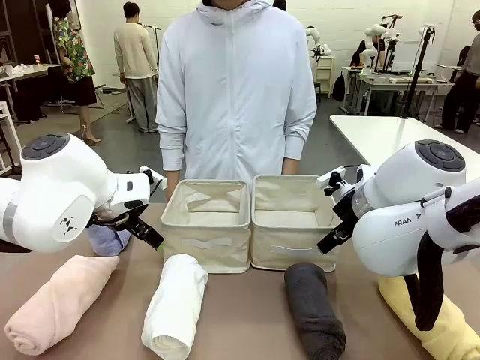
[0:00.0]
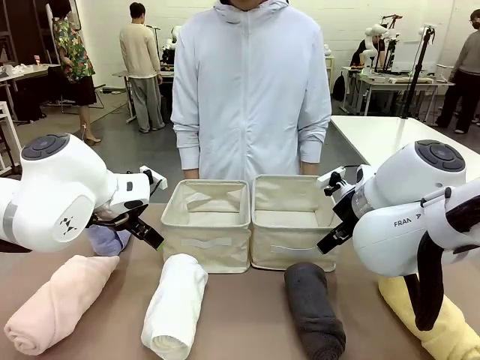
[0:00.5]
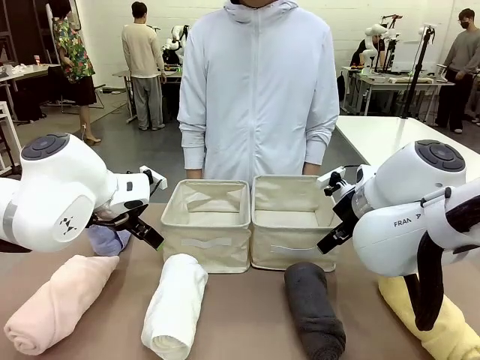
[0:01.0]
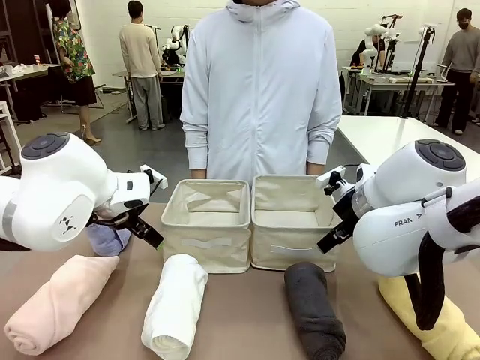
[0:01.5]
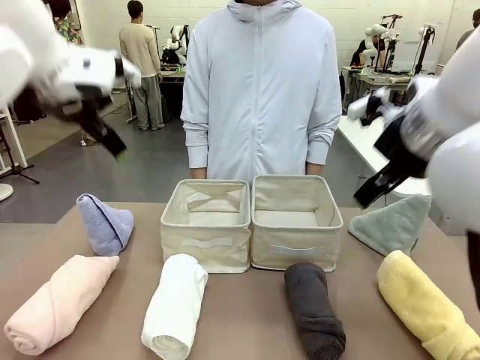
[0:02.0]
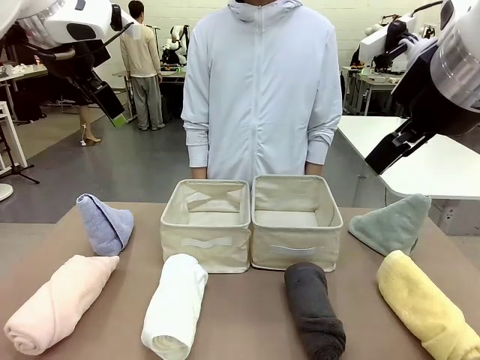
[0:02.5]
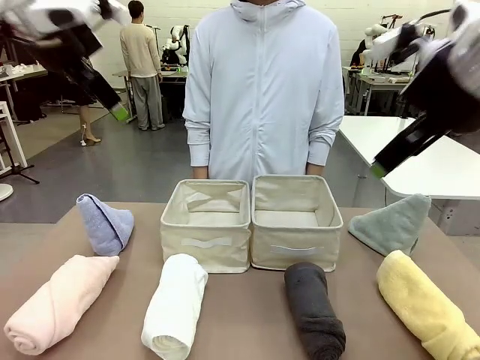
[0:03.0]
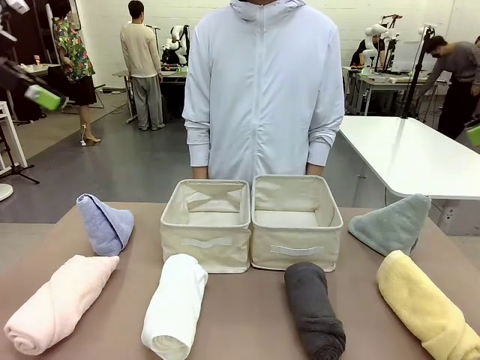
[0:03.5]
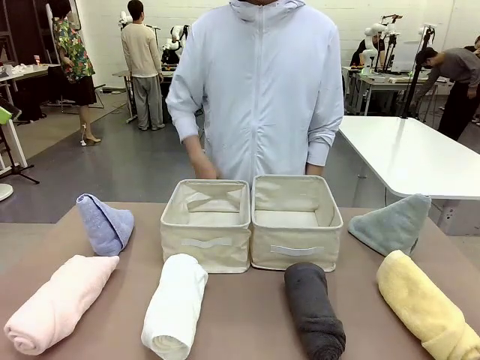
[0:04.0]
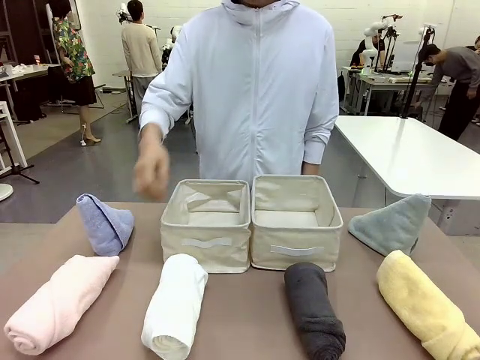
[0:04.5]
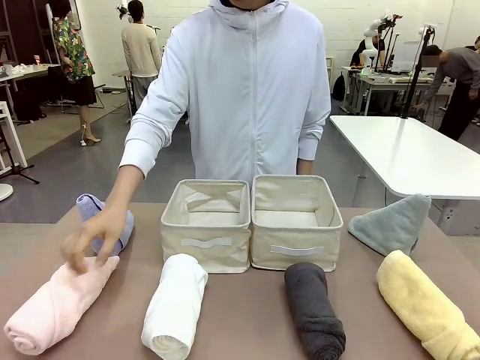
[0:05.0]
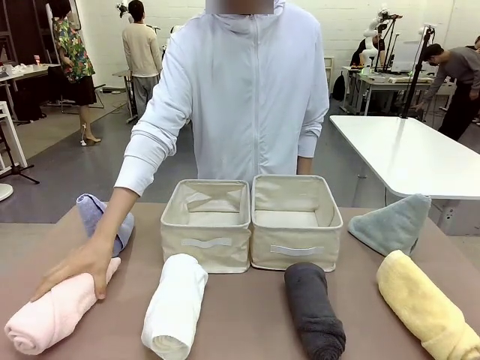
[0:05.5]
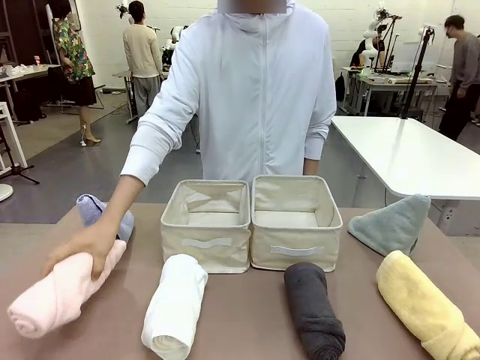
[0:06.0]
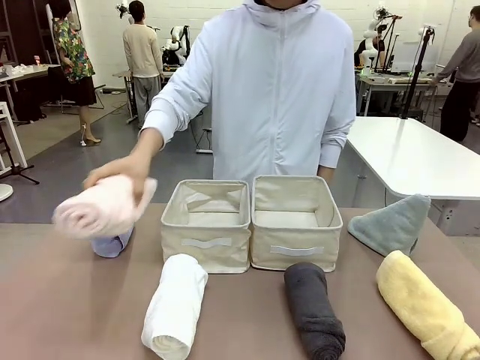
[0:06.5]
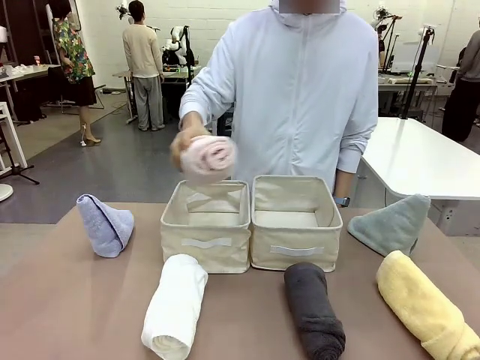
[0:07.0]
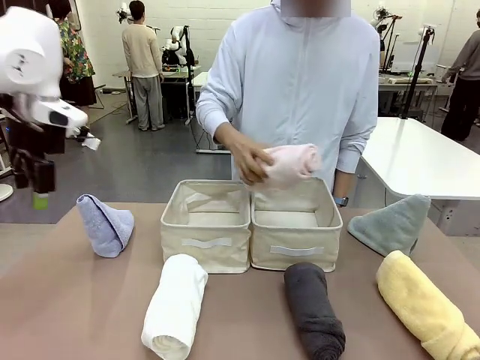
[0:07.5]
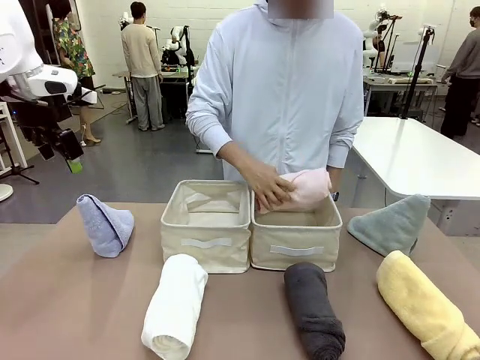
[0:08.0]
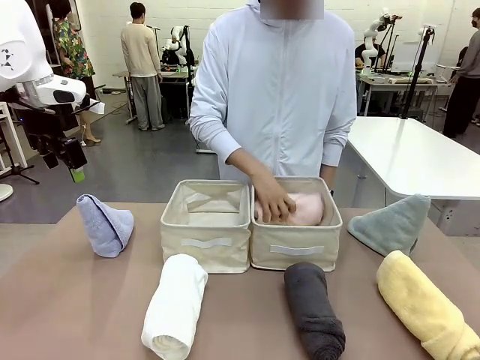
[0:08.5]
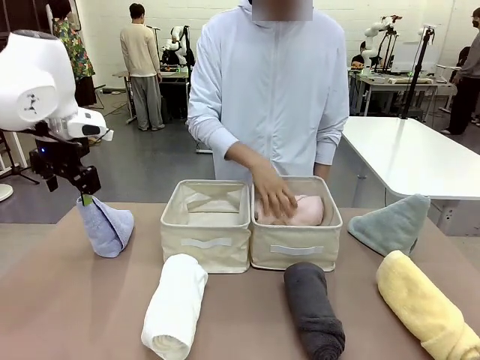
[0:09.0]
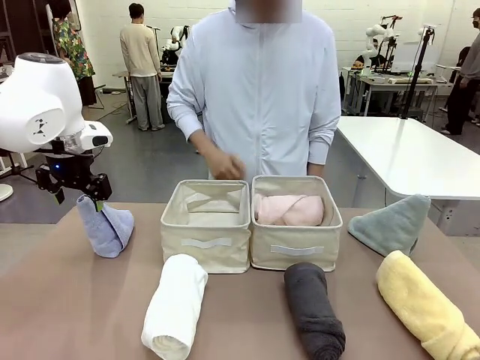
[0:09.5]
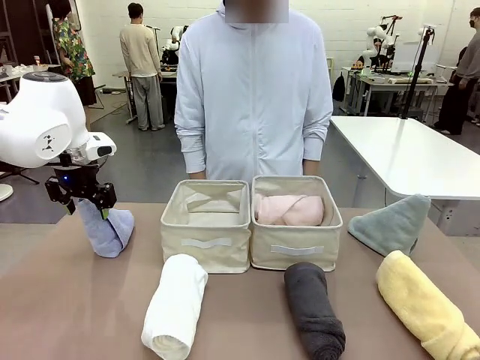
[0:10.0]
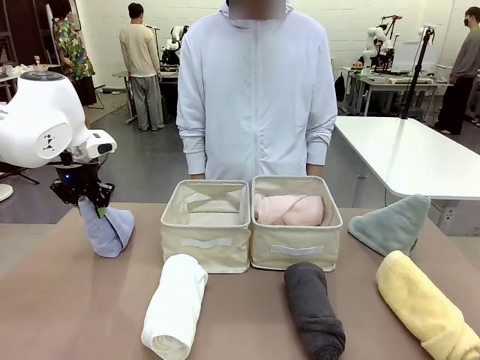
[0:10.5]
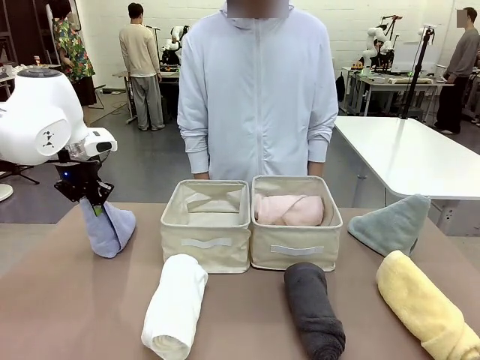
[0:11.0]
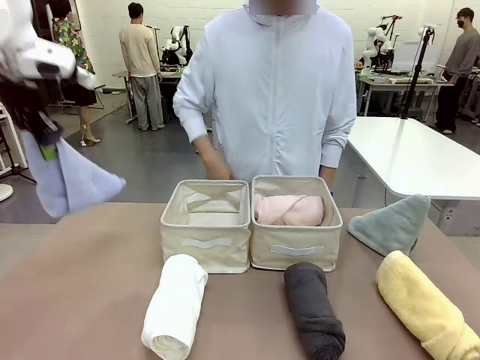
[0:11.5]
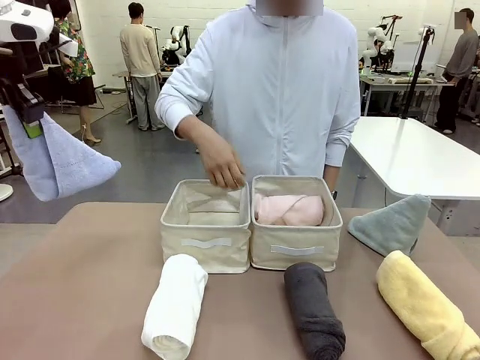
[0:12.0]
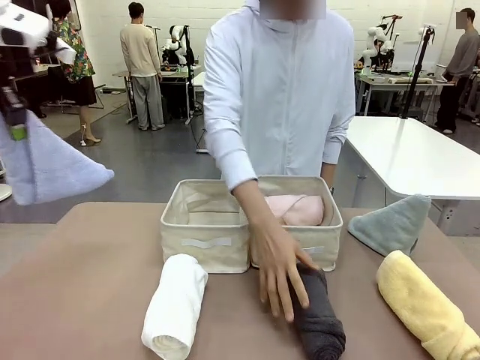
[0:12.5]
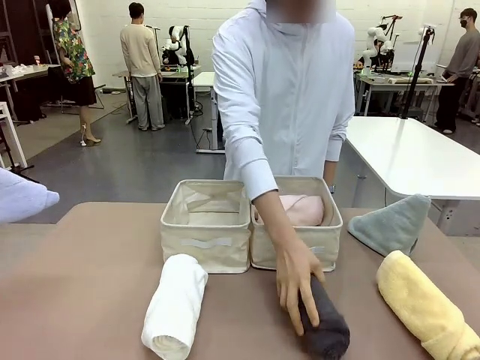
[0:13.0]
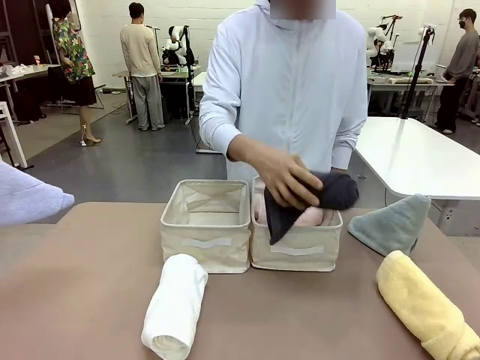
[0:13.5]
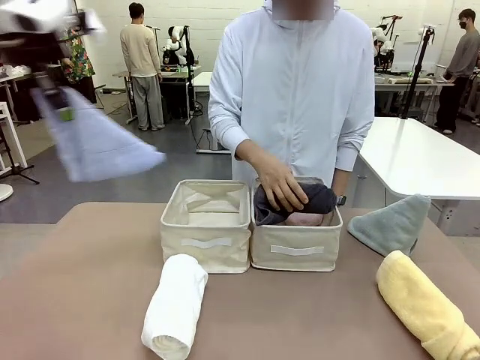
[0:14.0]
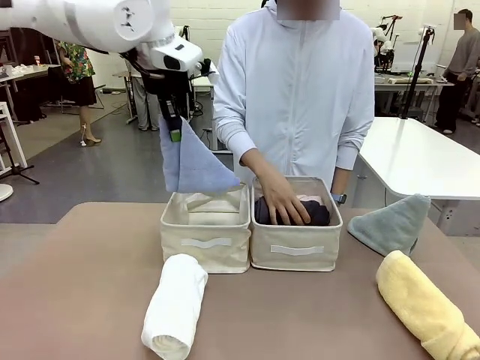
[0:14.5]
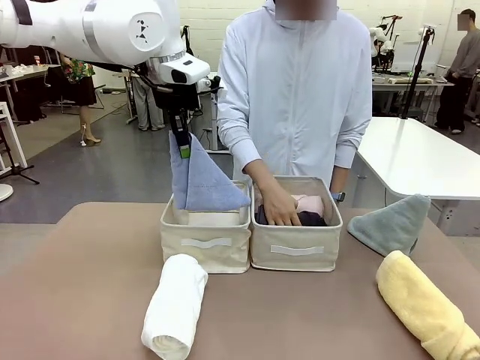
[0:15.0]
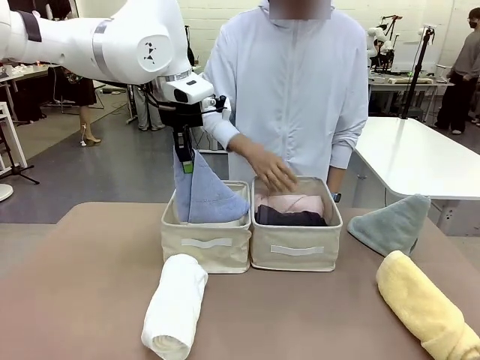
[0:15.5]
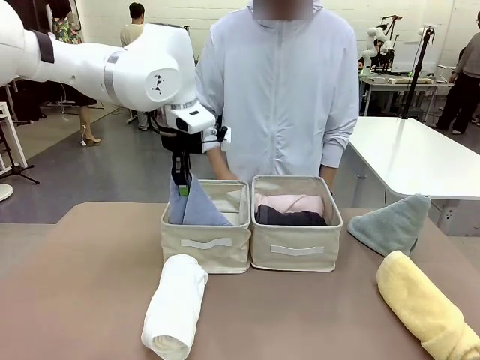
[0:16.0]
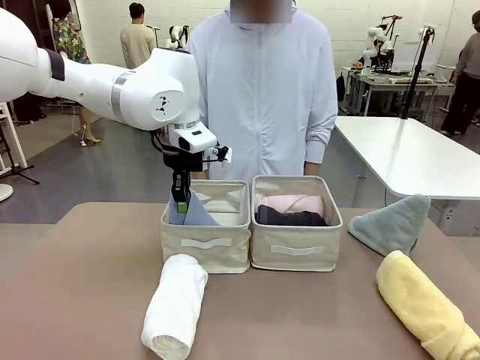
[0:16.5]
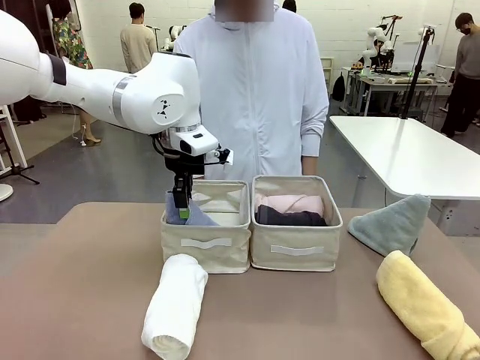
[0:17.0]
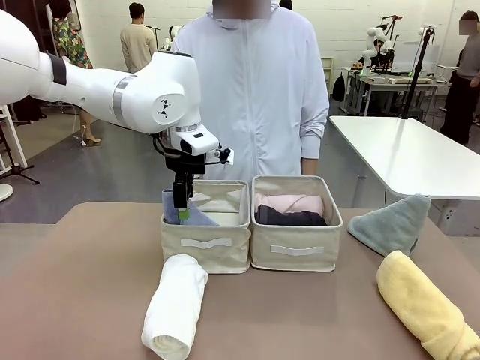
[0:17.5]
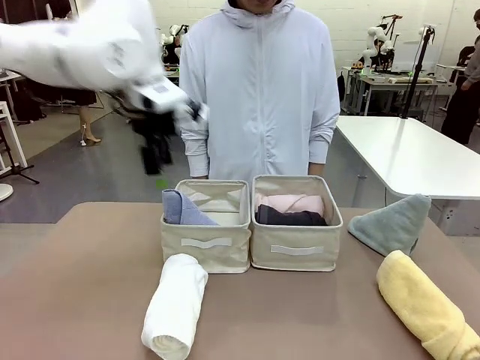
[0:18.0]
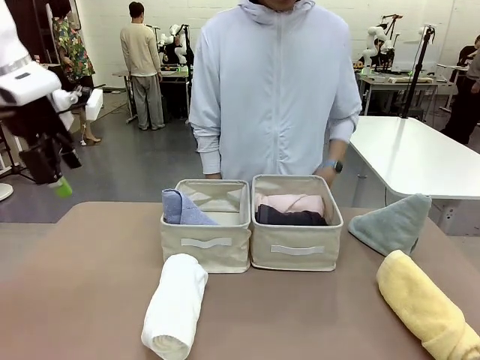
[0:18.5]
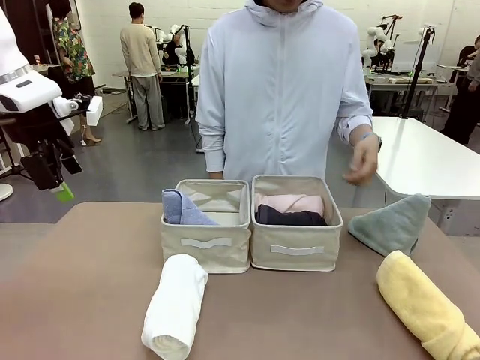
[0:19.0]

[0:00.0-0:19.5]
Task: Sort the towels based on their folding style.
Robot: Pick up one triangle-folded towel and place it in the left Fabric basket.
Person: Pick up one hotel-style rolled towel and place it in the left fabric basket.
